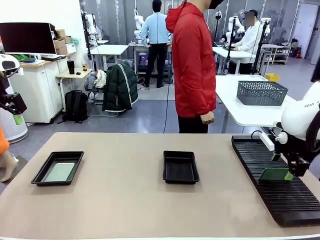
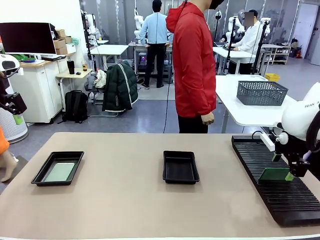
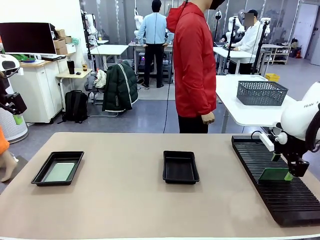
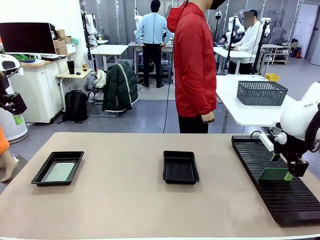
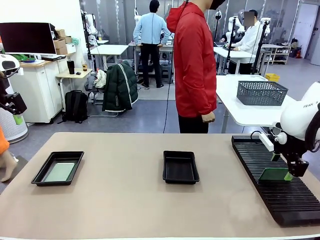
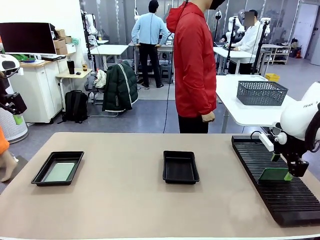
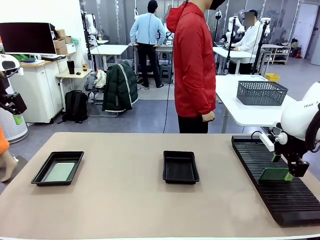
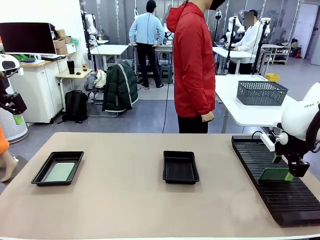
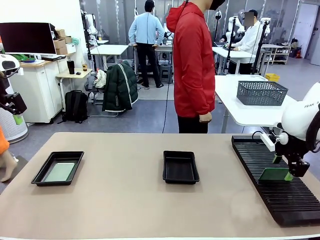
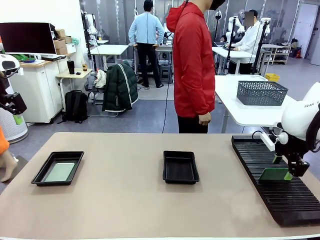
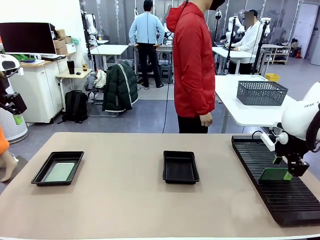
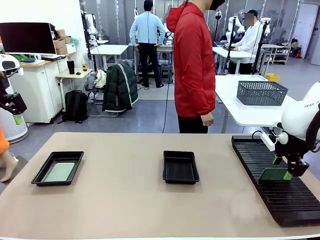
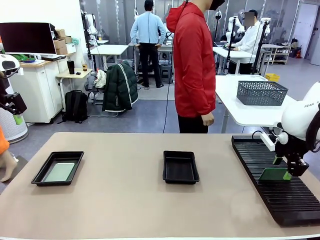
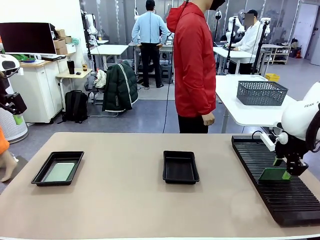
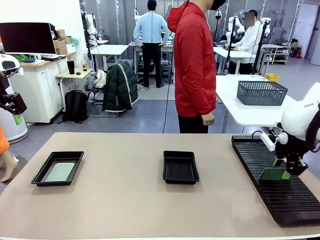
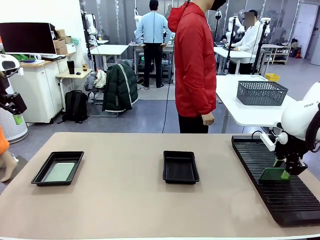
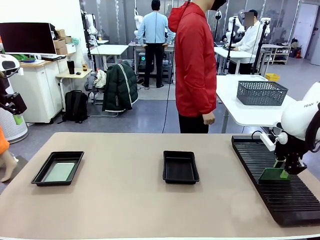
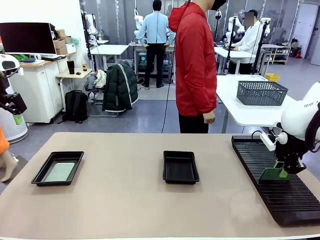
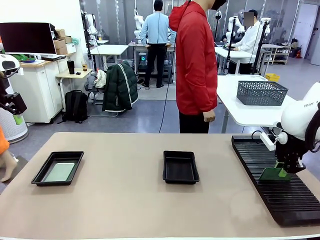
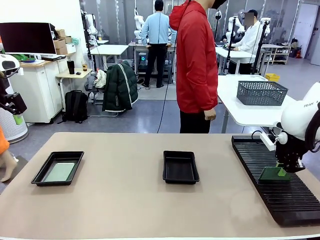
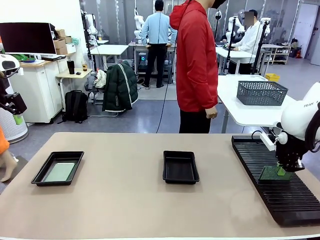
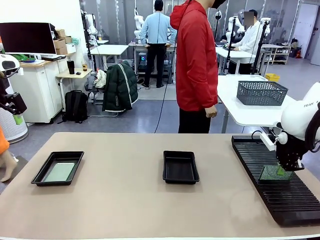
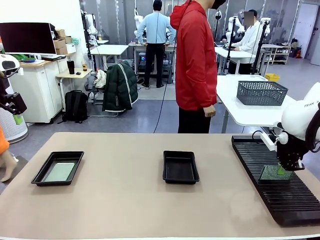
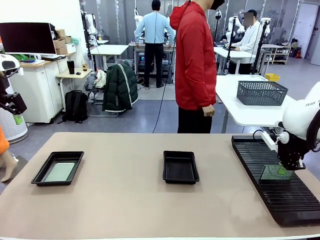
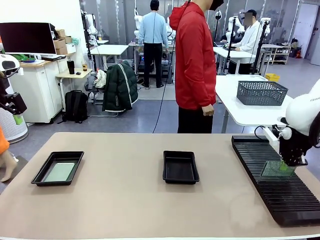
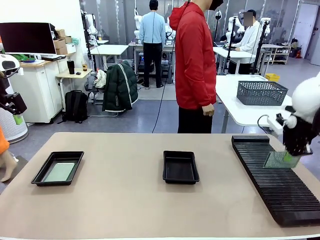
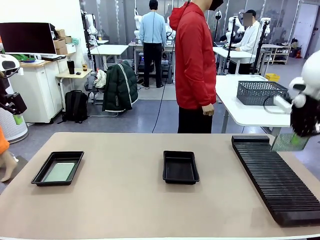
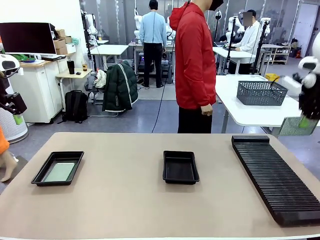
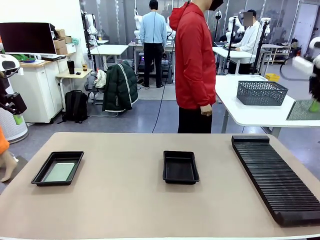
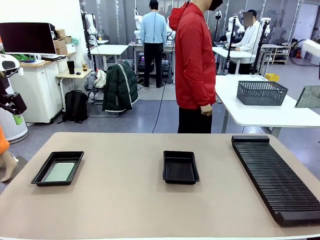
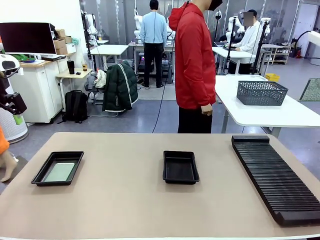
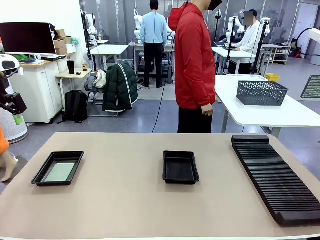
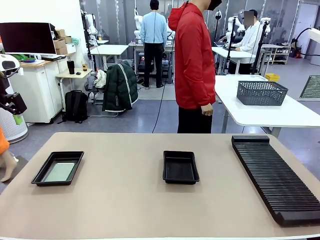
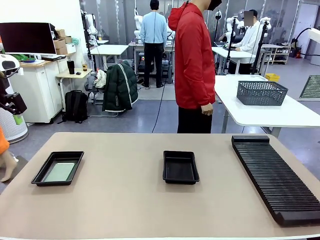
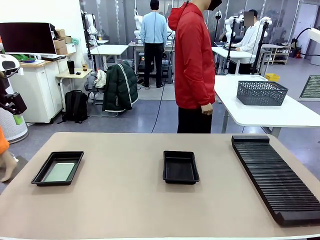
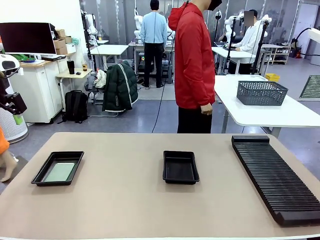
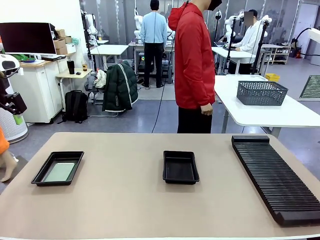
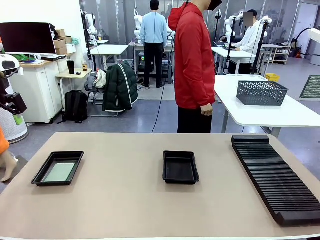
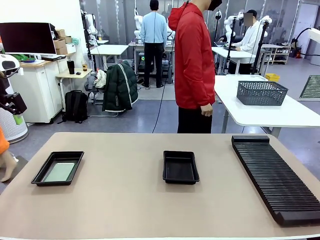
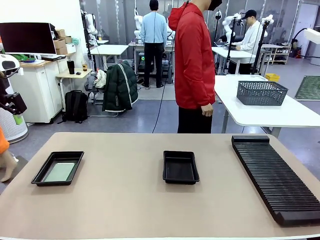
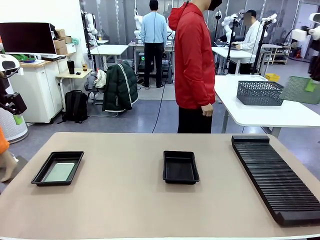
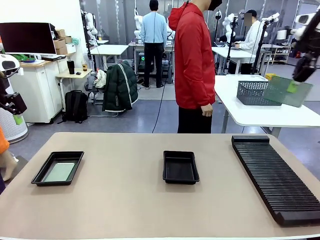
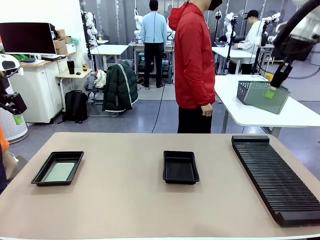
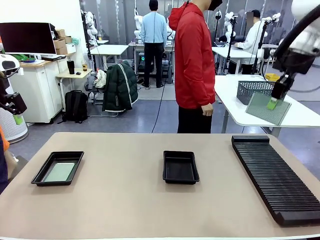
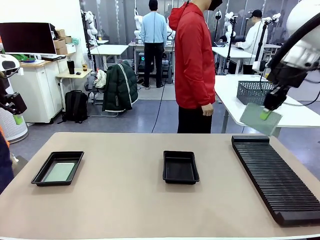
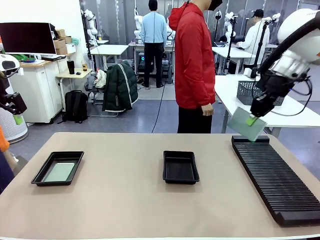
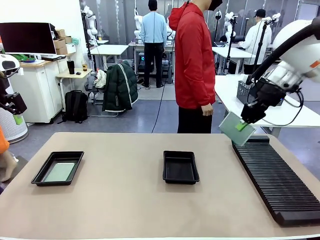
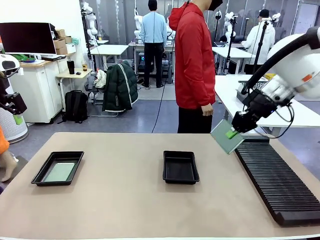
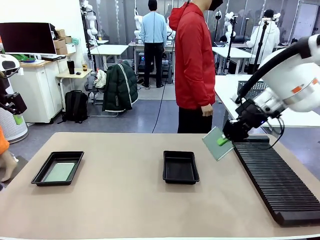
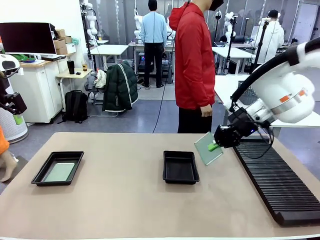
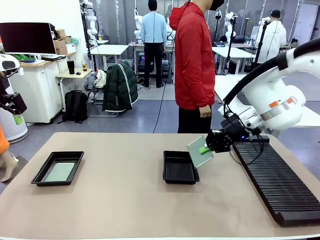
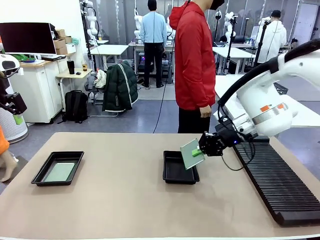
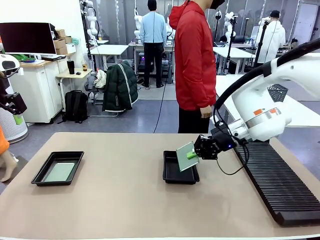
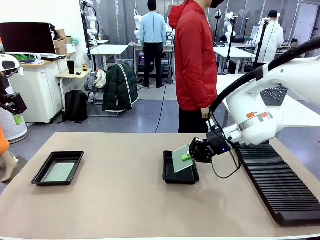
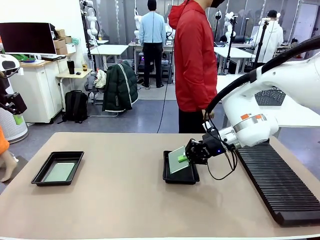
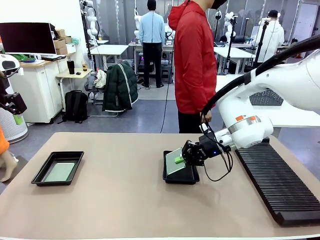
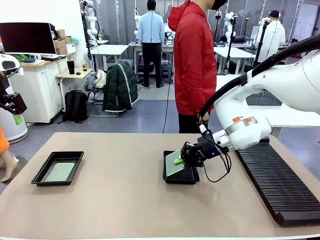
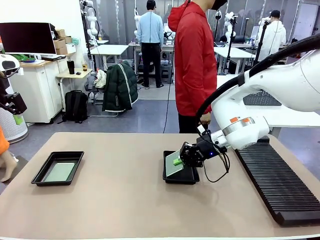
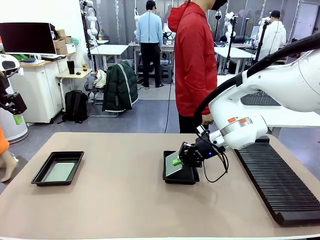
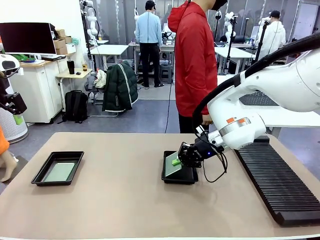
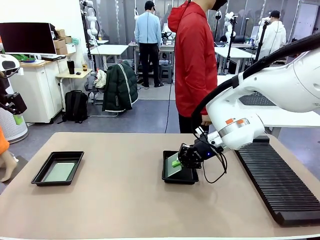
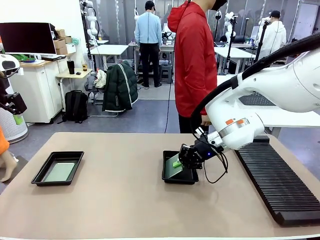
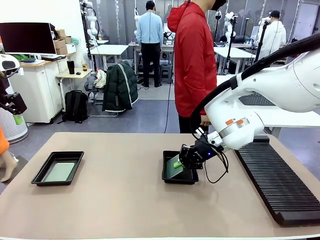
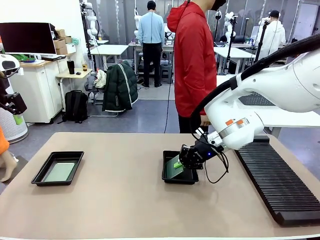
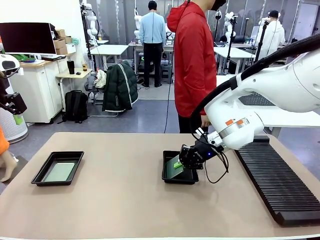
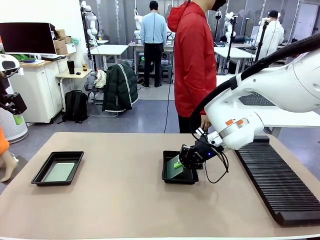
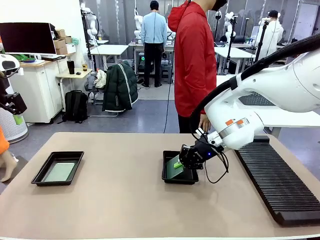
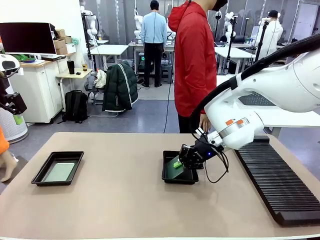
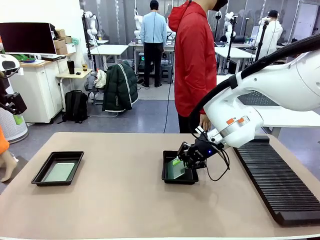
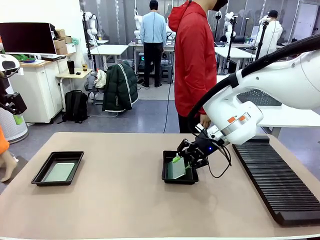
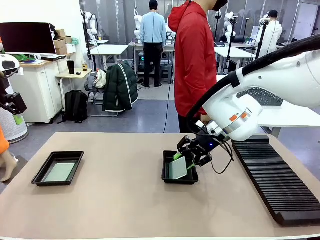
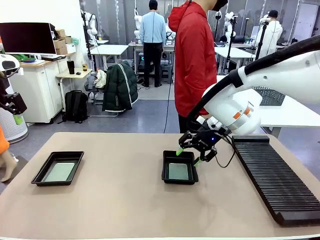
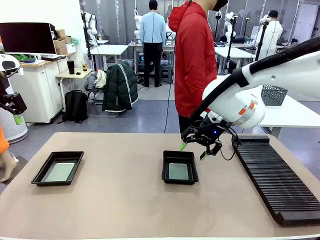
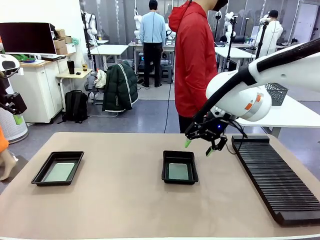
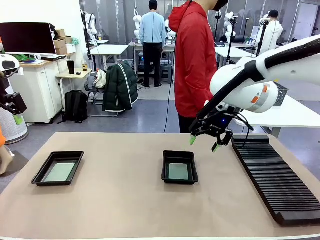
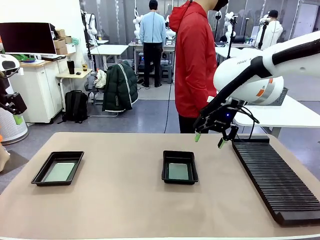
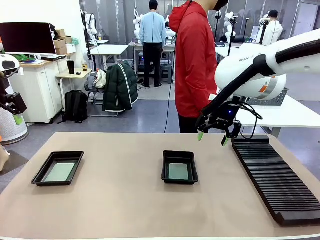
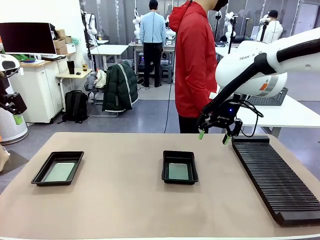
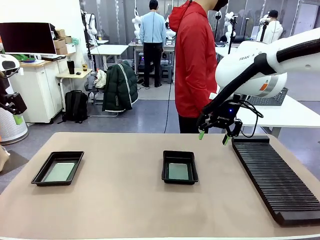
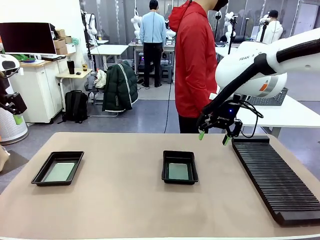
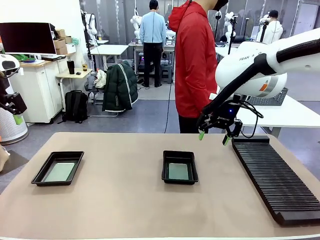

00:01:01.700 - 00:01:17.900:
Task: Inspect and transfer BCBs to ESD trays.
Robot: Pick up the Blank PCB from the PCB Rack and place it in the right ESD tray.
